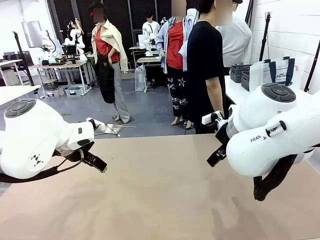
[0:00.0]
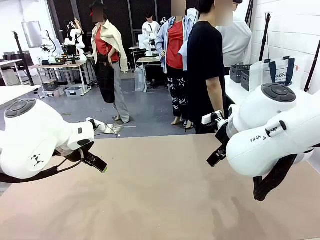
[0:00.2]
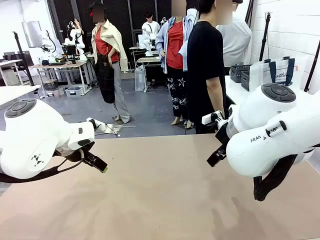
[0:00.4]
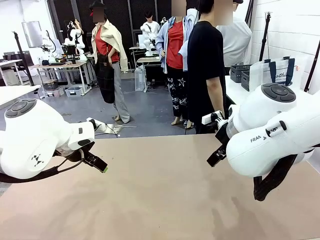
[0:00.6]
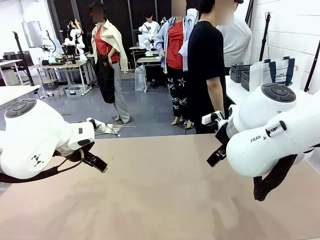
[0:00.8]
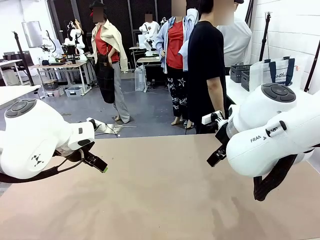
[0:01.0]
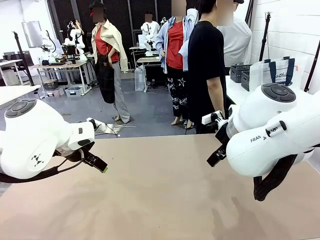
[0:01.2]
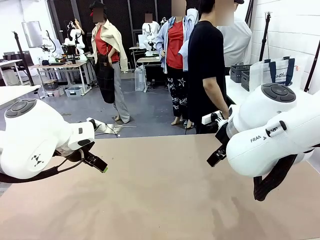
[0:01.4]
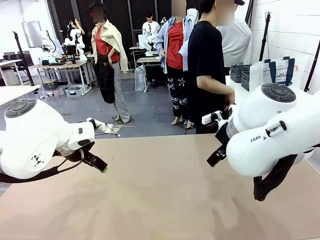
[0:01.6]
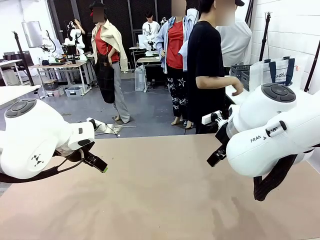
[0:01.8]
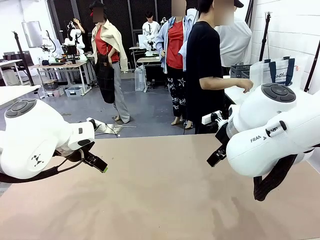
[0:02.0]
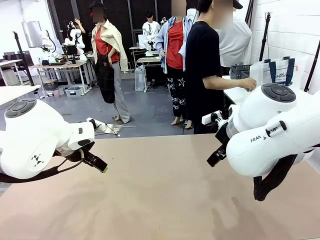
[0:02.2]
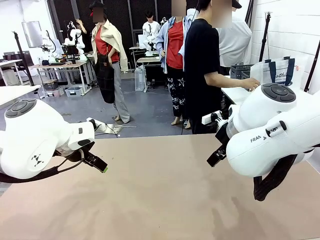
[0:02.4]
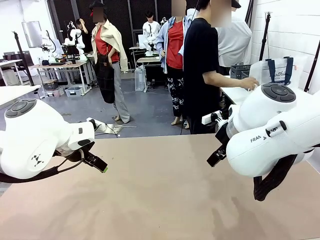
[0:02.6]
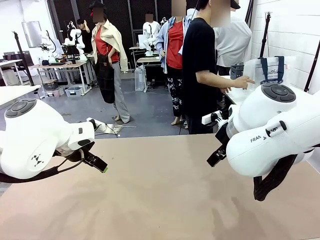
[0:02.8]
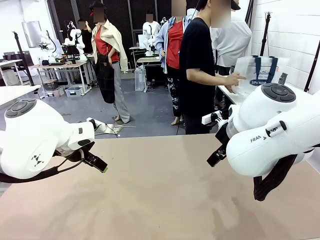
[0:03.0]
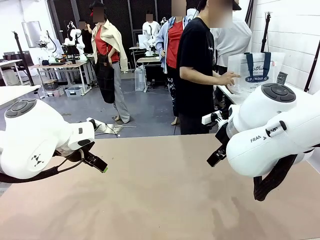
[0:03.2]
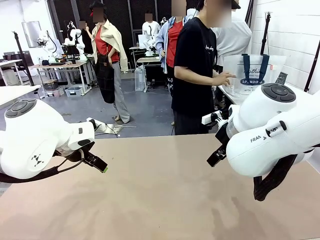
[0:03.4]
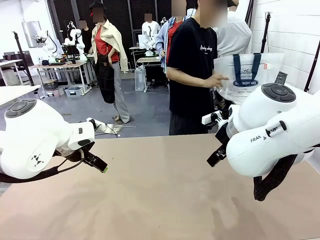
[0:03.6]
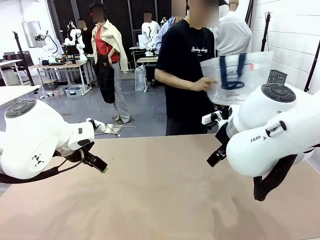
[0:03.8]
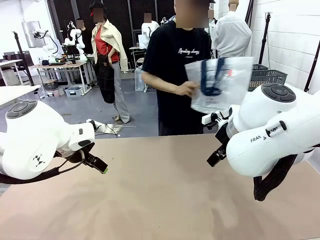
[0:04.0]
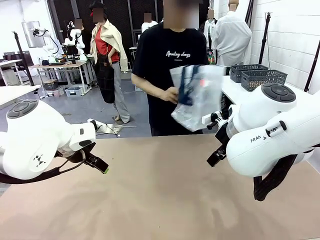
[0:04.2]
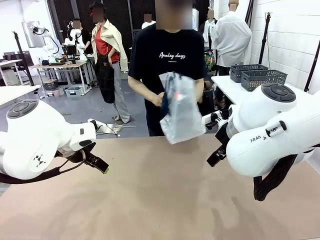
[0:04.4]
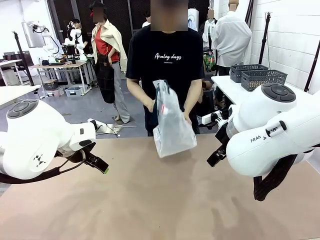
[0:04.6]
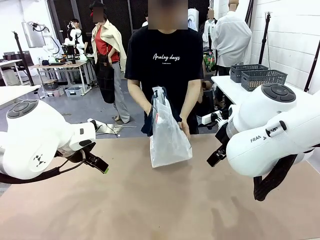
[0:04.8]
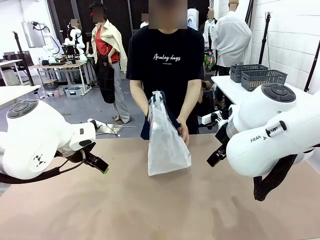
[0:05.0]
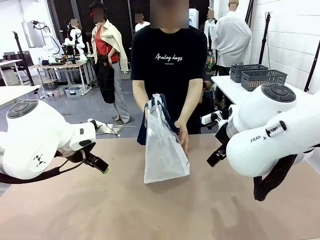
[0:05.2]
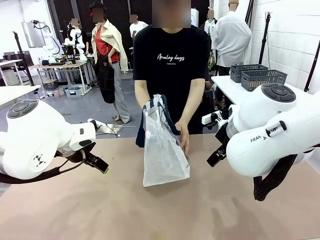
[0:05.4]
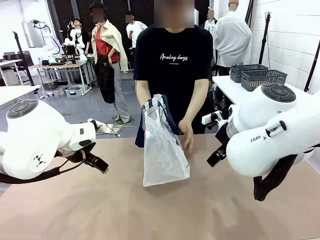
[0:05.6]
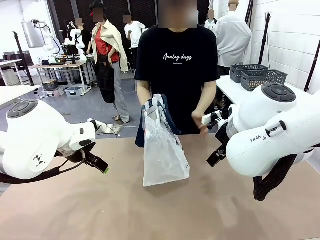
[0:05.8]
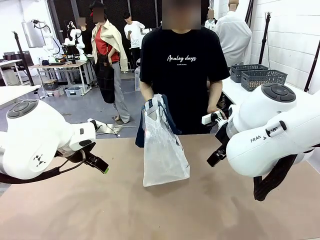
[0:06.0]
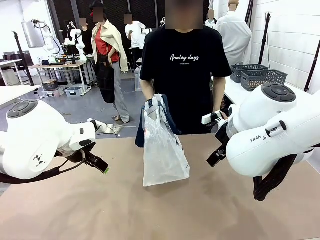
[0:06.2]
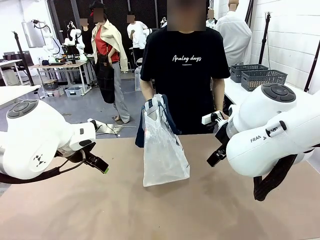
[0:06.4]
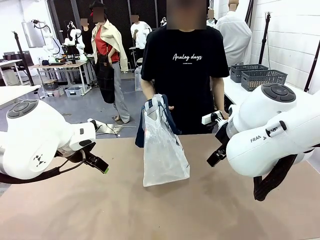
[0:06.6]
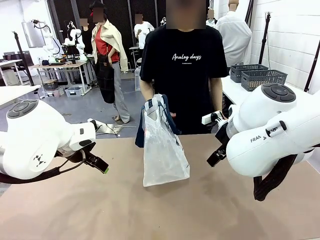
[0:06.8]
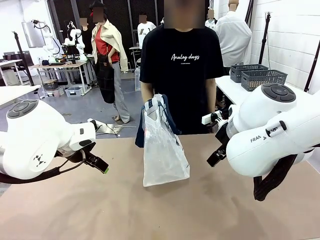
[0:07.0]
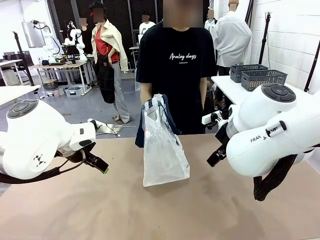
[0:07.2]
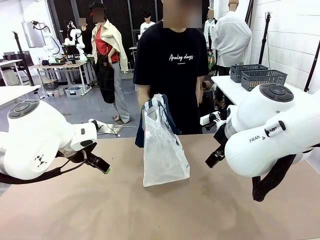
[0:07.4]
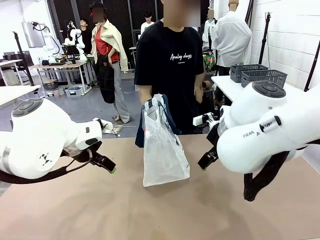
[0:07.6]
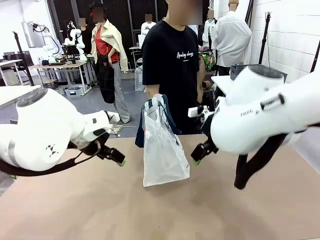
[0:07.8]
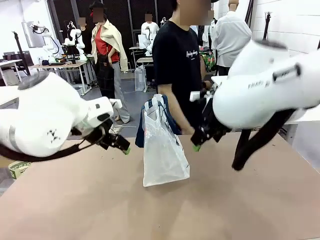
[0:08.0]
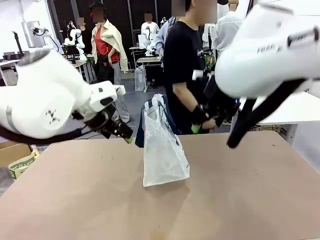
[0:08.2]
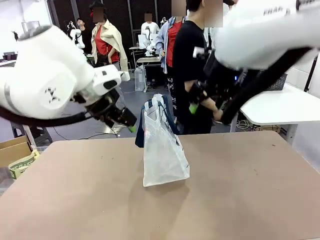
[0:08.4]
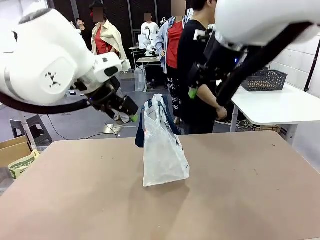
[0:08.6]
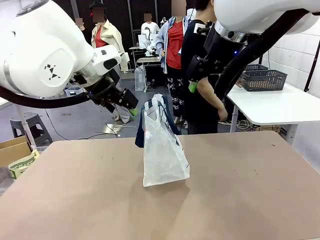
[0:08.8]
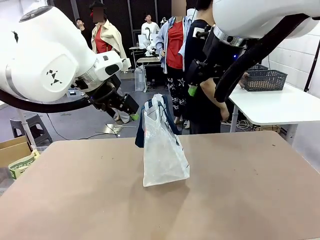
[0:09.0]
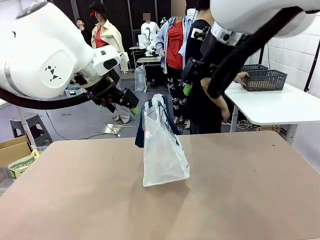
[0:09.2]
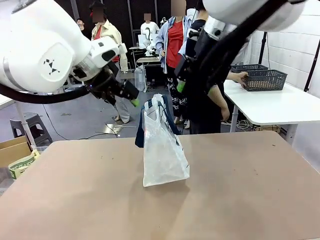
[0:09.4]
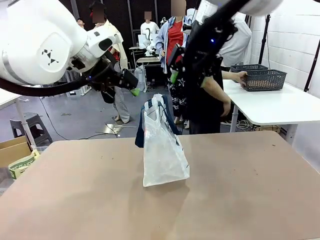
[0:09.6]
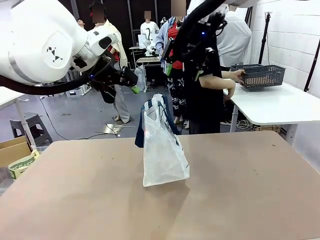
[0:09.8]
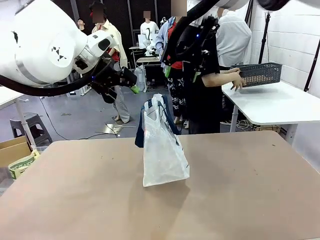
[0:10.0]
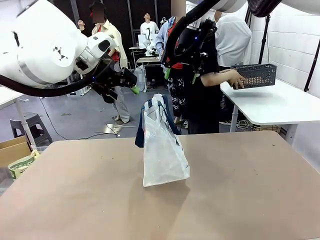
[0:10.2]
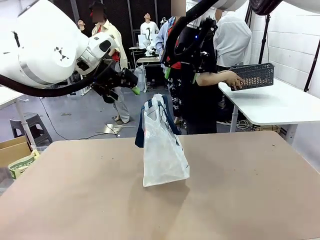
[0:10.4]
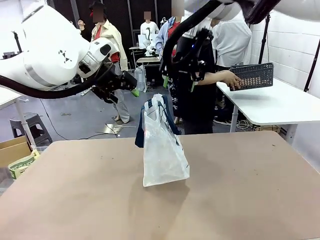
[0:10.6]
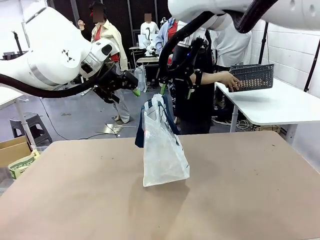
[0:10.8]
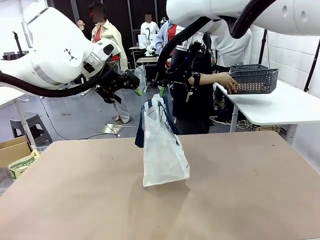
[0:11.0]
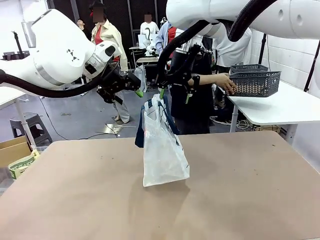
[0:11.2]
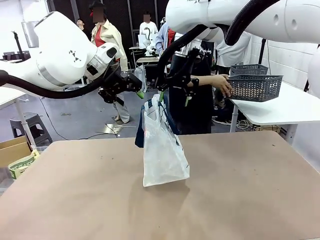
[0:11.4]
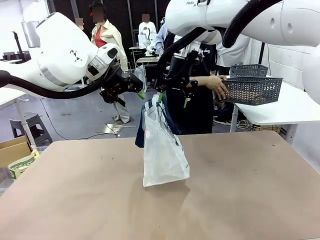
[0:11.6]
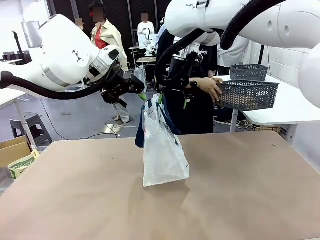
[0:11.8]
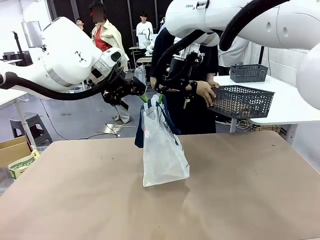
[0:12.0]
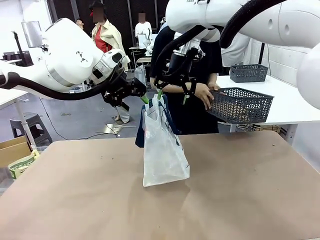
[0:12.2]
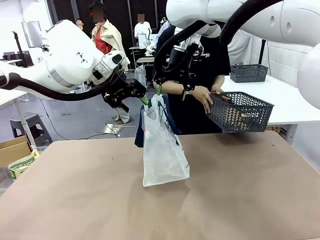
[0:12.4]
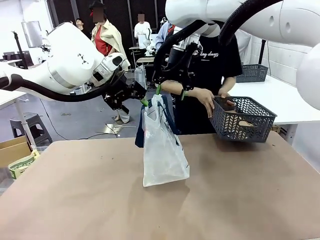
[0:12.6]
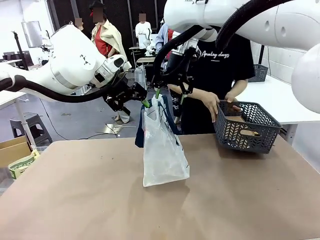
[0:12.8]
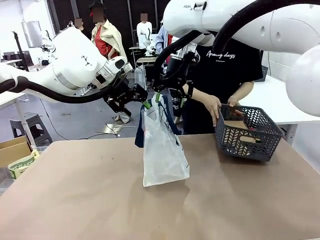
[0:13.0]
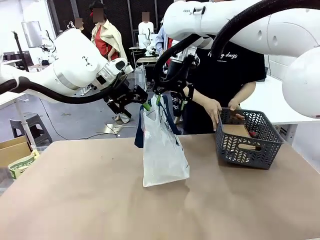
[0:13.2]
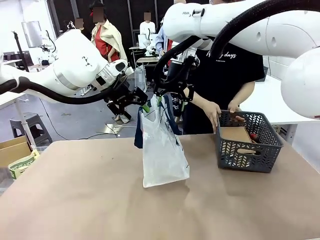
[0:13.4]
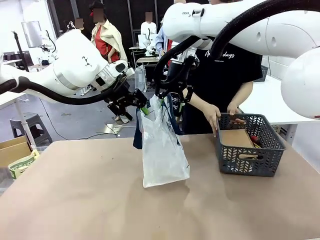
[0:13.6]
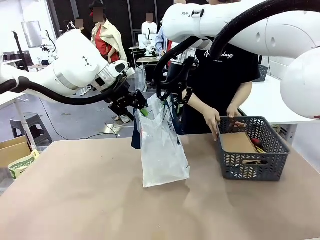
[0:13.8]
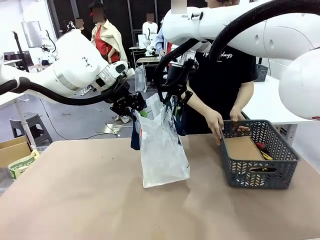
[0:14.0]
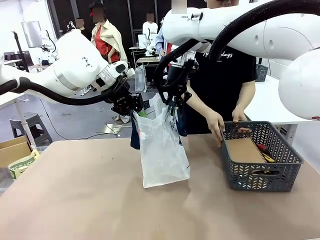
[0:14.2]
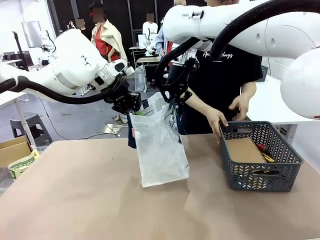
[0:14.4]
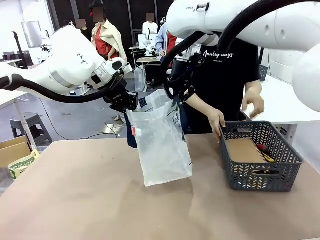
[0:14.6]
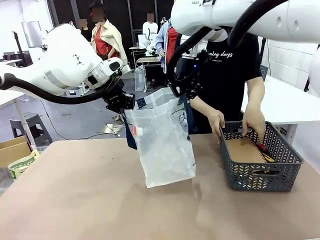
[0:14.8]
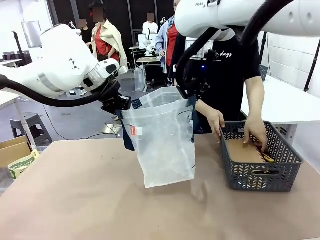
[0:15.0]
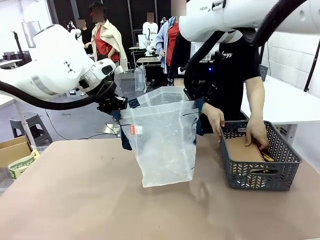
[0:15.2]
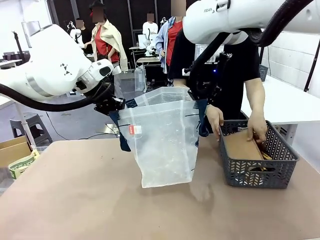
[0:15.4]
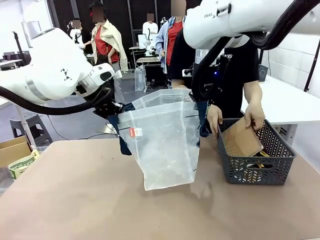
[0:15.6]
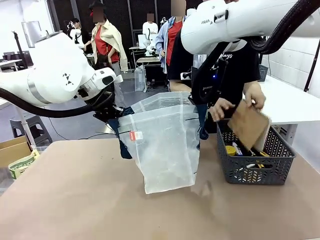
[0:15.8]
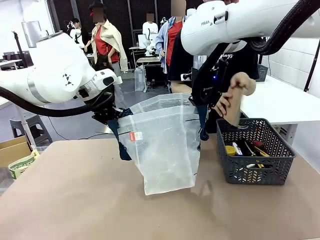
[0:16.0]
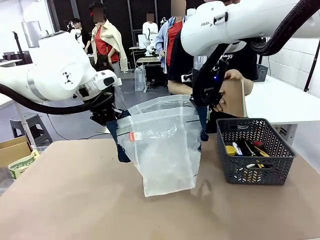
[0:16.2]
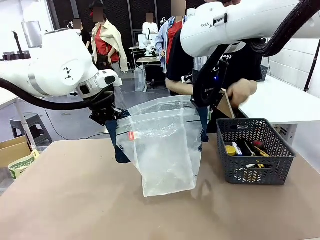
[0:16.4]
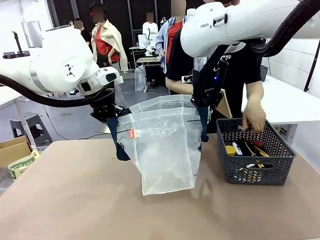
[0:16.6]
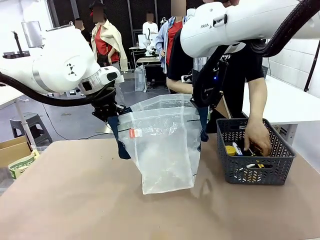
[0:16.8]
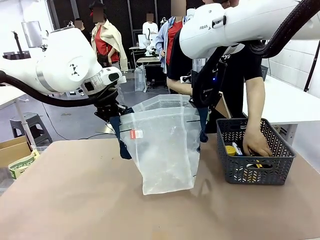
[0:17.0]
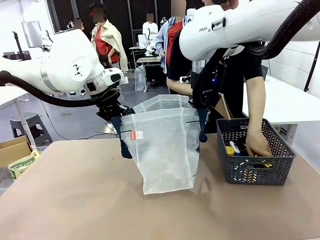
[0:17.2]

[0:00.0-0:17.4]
Task: Transfer purchased items from the store into the shopping bag.
Robot: Open the Reusable shopping bag in the center of the table.
Person: Pick up the shopping bag and place it in the middle of the robot table.
